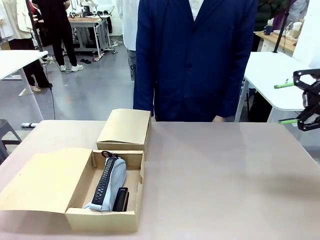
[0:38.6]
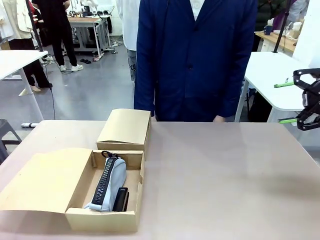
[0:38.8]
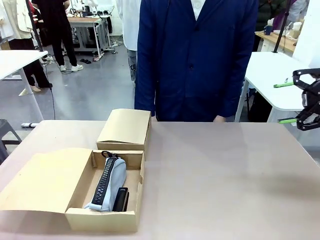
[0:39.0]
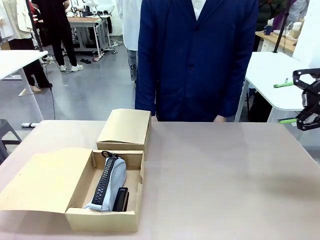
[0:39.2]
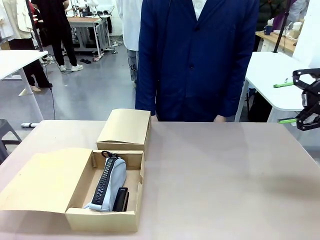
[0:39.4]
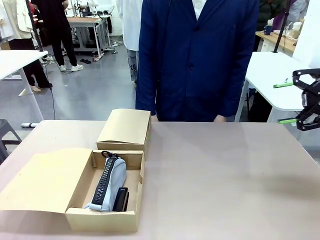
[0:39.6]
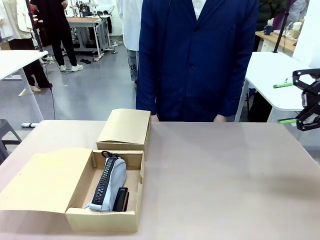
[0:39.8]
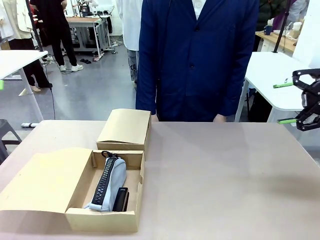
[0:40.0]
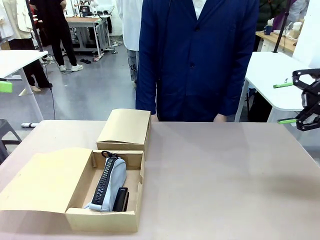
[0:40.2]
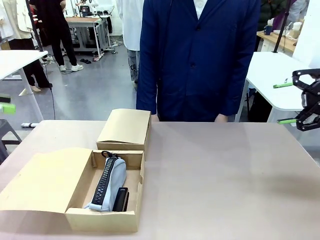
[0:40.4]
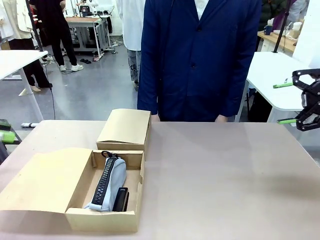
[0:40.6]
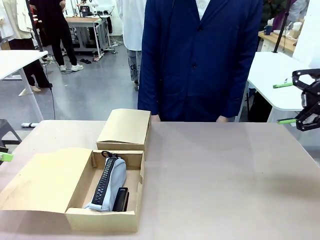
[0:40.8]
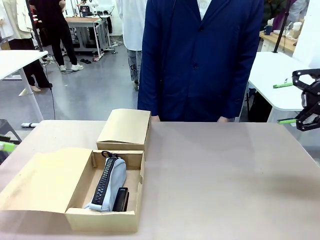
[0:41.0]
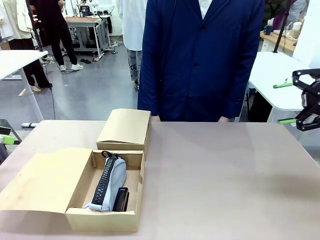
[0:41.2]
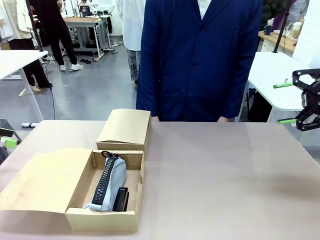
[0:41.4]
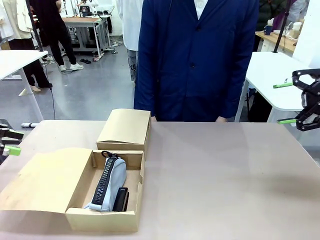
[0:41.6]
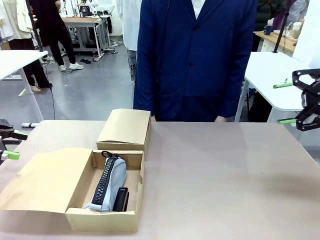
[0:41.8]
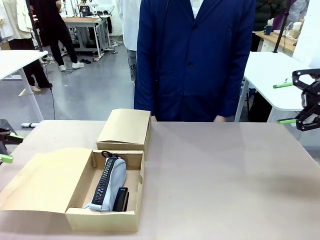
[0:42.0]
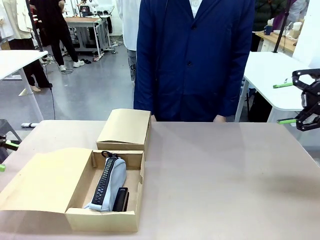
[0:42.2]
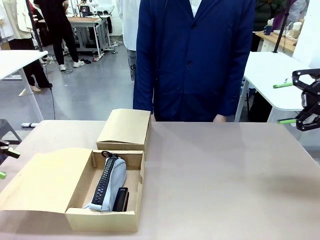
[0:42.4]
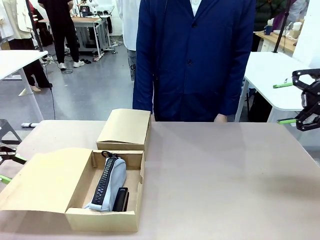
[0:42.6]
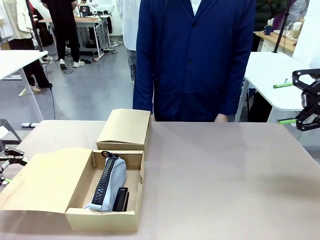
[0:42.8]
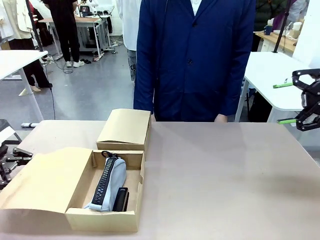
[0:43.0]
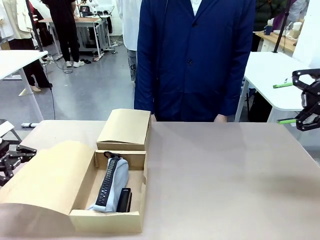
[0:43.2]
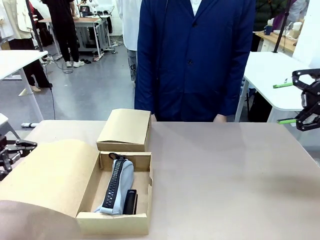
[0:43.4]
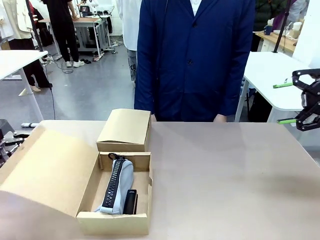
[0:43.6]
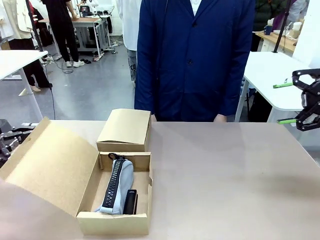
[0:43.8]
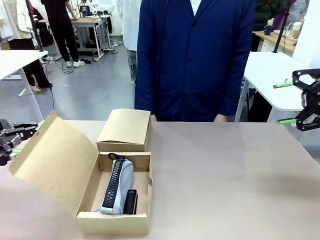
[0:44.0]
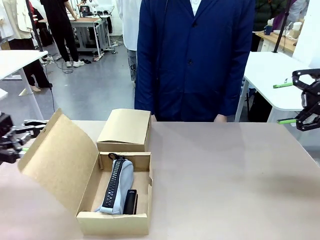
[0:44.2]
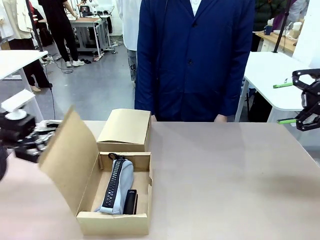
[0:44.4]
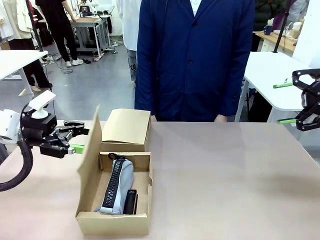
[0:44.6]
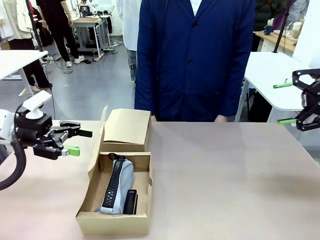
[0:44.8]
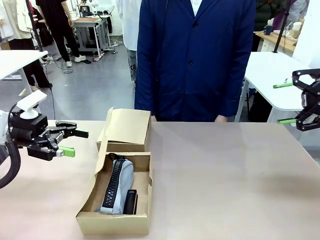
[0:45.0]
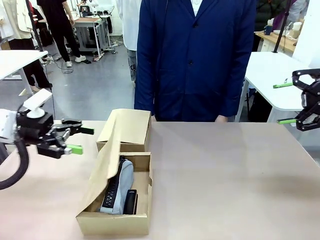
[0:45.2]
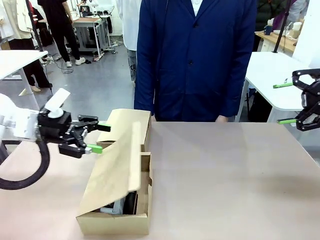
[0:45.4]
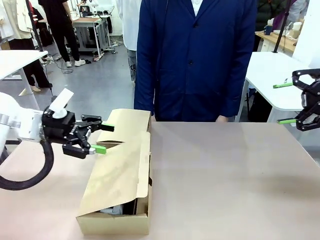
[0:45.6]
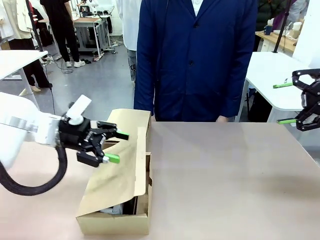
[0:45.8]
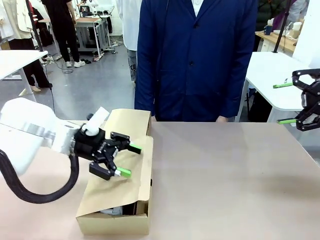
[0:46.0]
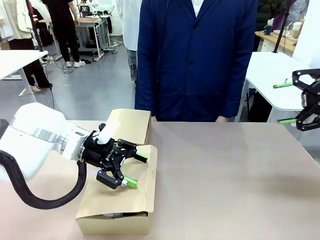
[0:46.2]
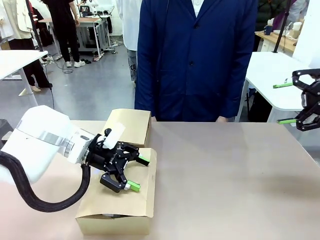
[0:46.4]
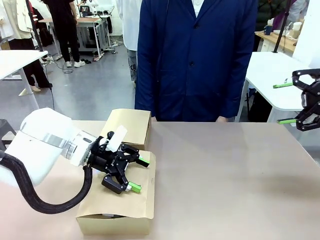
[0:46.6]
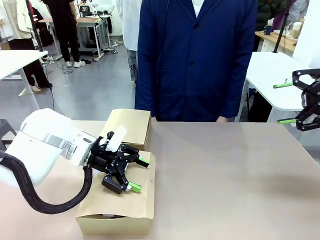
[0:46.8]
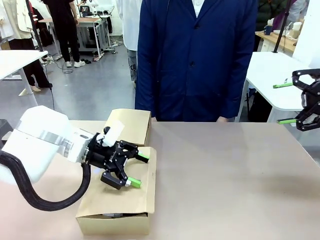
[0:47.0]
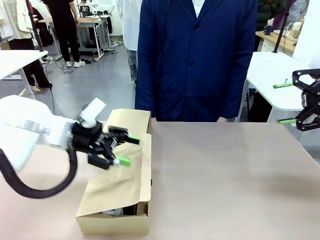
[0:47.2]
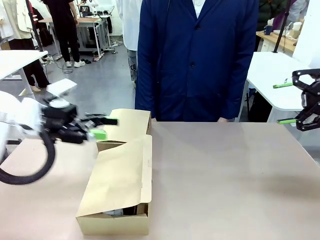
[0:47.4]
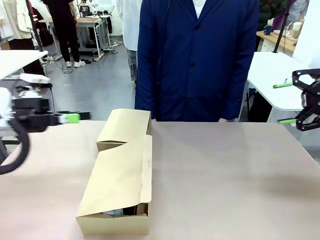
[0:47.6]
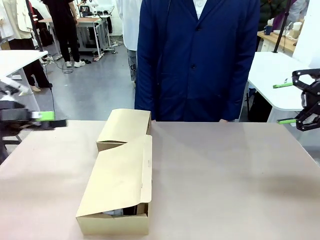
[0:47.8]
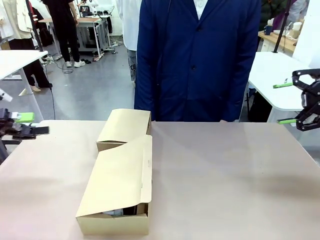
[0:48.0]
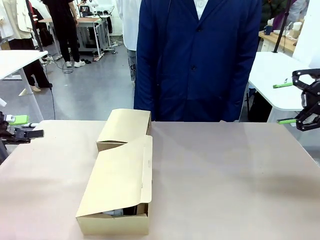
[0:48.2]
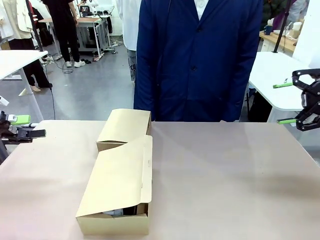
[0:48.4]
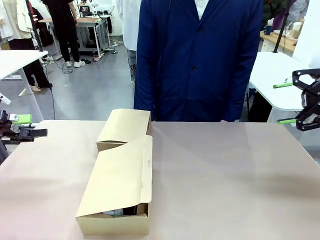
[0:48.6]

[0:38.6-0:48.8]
Task: Place items inside the box.
Robot: Close the lid of the Mailer Box closest to the robot.

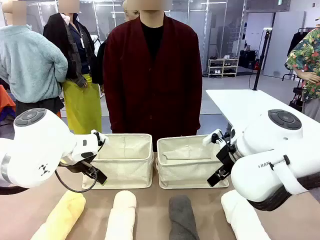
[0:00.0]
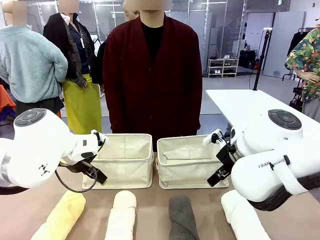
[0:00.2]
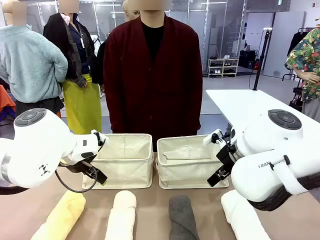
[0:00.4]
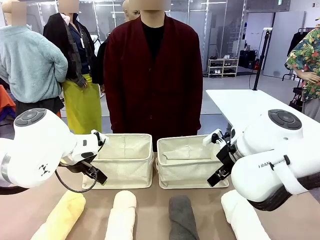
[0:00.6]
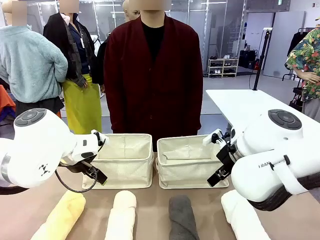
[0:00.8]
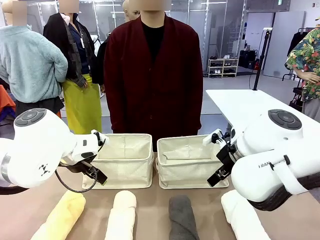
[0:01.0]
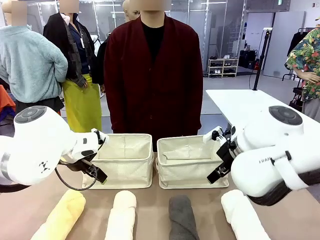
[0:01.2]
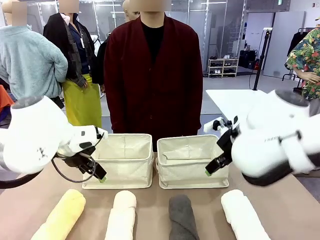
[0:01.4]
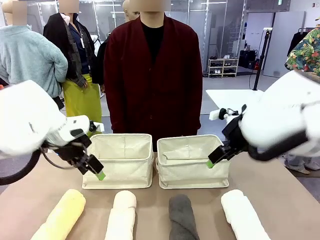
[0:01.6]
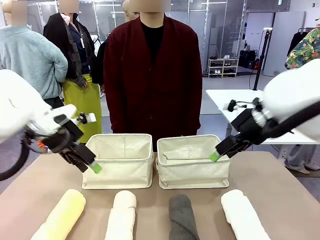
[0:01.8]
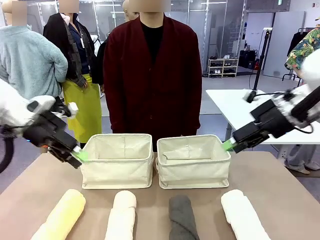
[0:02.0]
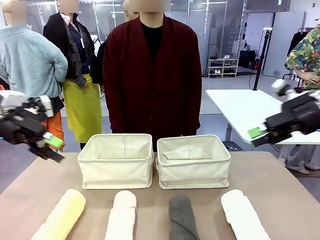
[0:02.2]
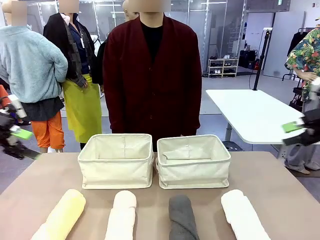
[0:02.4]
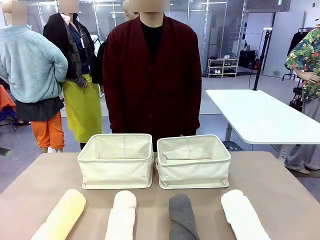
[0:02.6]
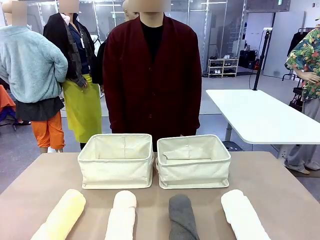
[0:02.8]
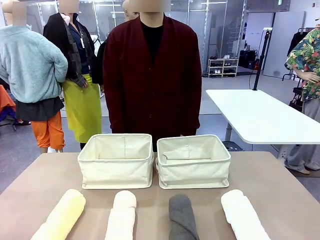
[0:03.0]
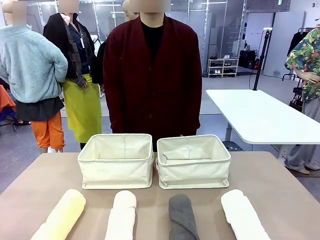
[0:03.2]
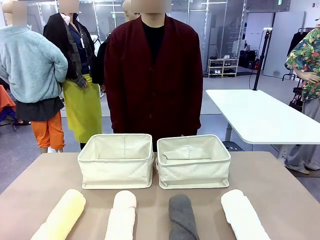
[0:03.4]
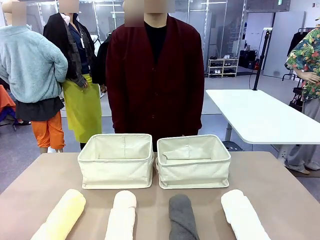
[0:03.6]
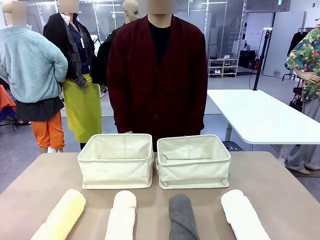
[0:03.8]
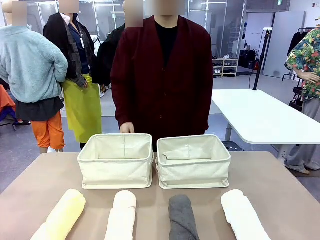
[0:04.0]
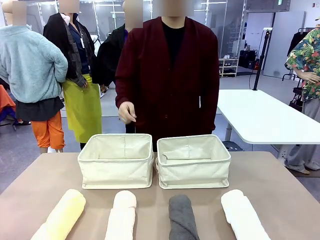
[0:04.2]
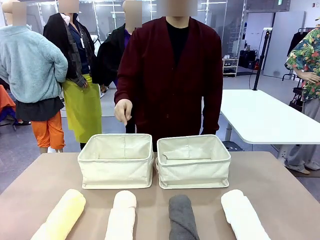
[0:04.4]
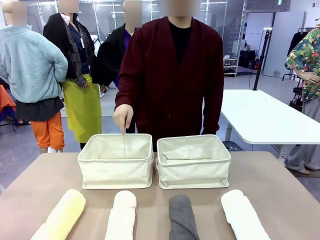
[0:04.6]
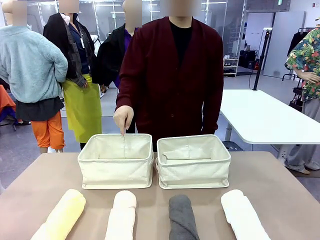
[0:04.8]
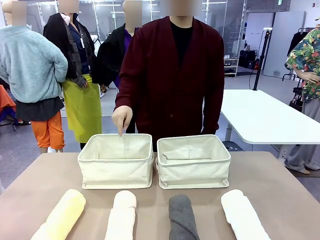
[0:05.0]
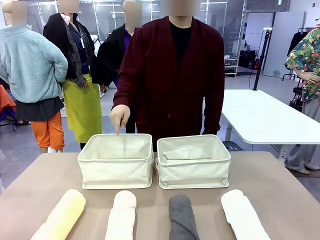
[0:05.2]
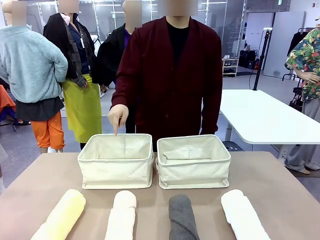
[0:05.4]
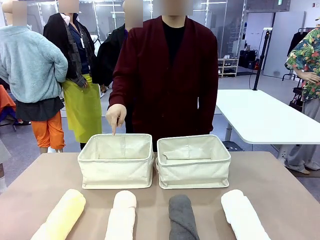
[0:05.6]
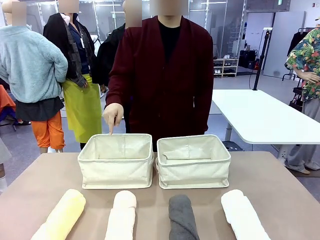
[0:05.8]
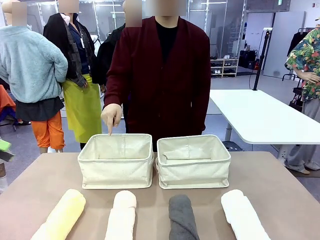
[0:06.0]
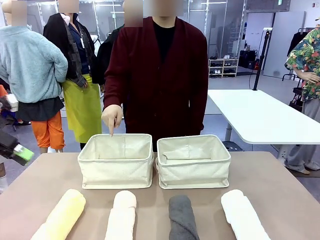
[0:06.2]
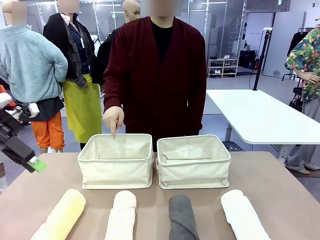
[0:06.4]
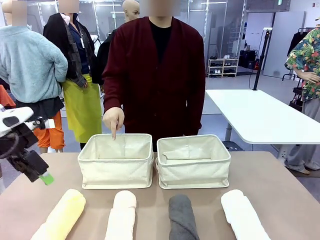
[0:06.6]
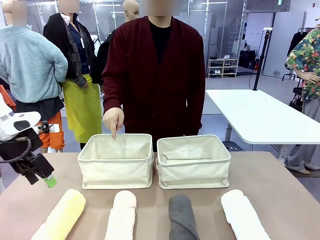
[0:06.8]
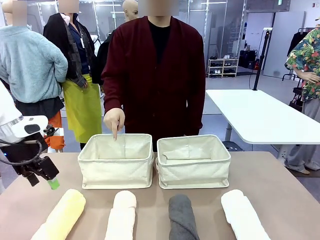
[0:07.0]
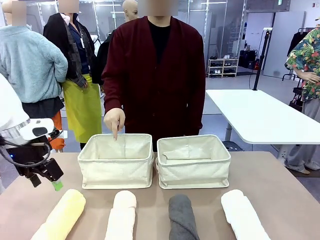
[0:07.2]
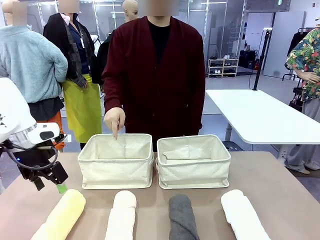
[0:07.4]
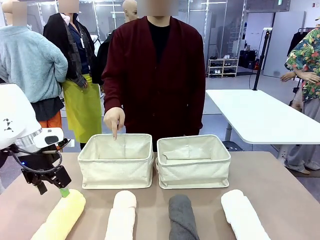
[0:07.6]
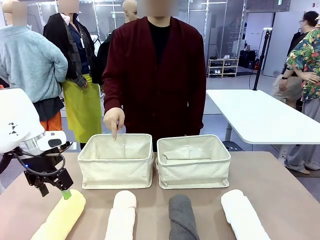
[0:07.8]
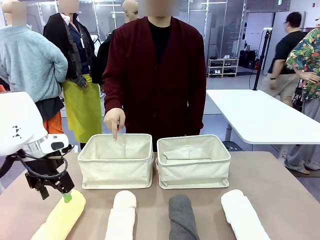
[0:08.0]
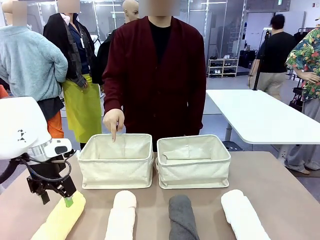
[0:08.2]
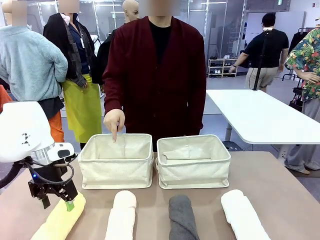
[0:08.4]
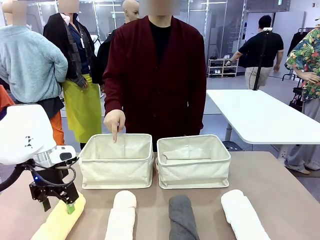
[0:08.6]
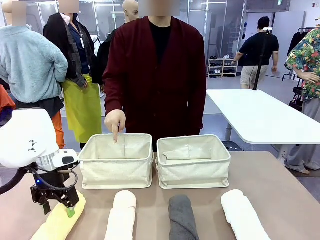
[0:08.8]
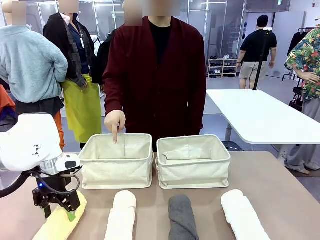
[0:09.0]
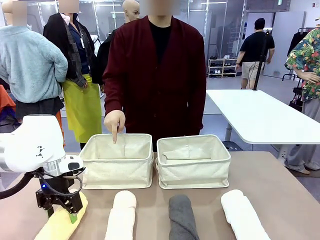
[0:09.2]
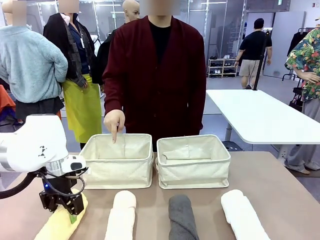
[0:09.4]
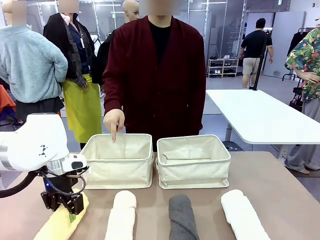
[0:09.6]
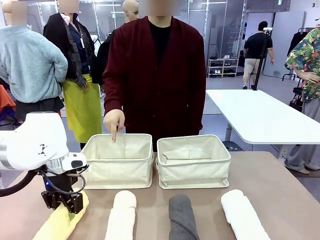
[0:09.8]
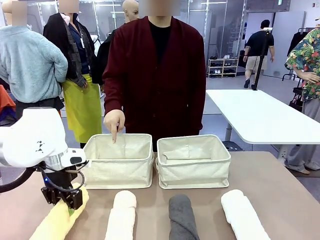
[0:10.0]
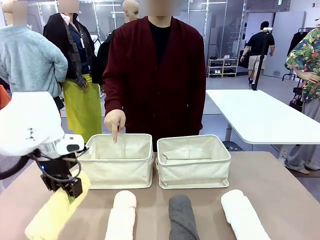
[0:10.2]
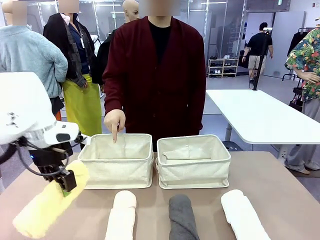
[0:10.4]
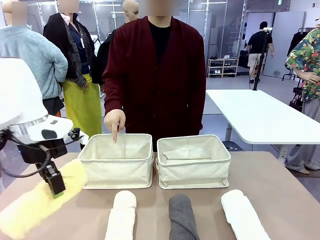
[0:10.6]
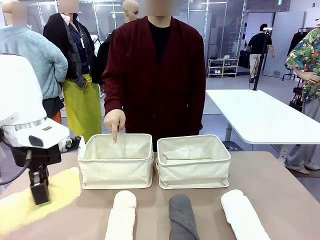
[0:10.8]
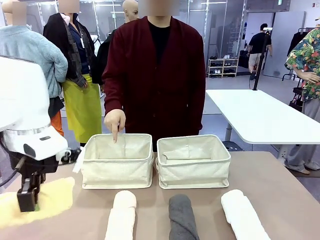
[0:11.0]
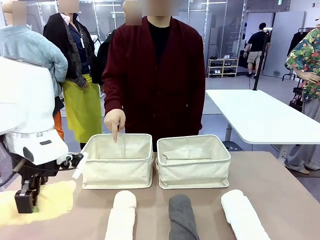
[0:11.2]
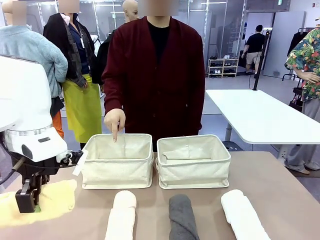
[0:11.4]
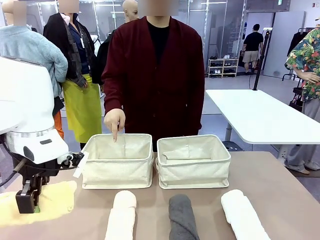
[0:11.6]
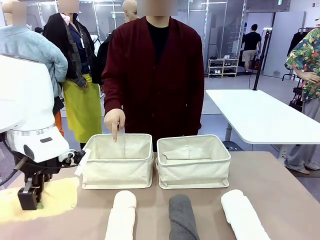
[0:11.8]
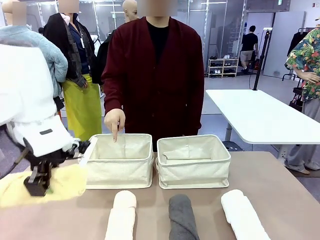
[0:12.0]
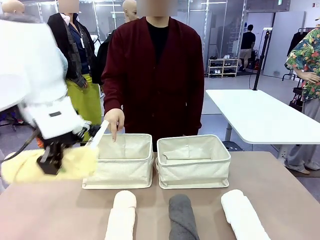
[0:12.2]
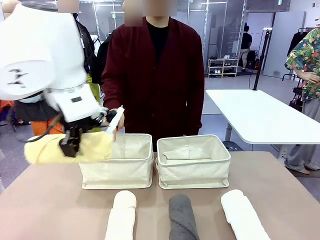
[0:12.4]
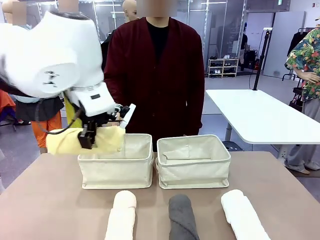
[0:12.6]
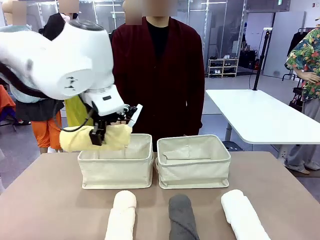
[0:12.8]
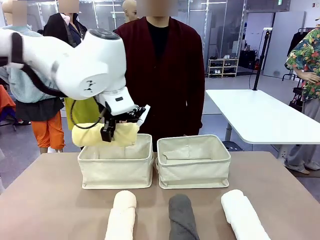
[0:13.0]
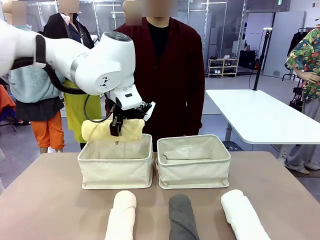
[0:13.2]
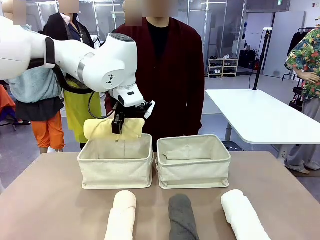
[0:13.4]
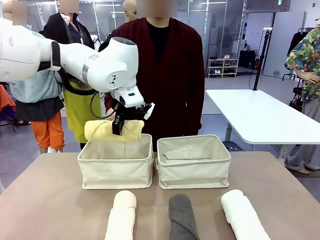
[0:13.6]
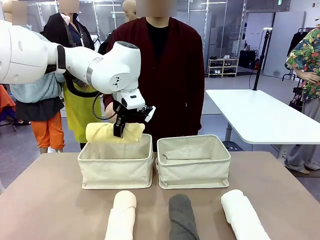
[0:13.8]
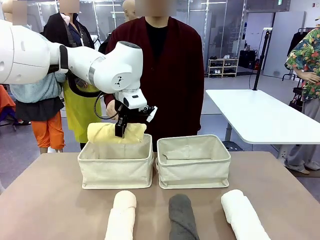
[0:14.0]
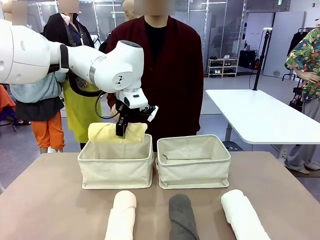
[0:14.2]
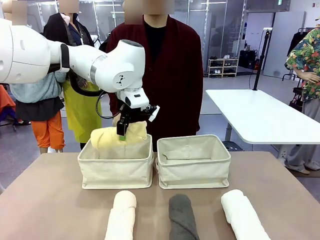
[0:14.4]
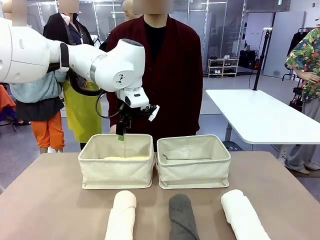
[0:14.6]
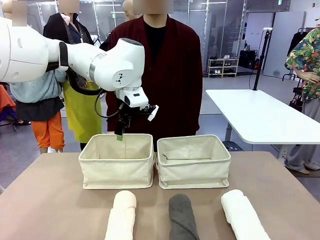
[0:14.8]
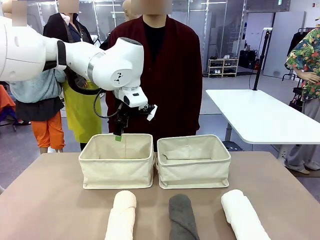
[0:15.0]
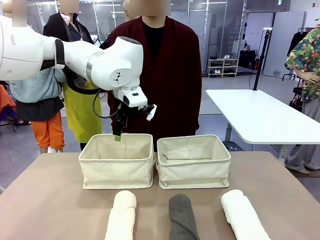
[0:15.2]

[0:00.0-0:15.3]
Task: Divide the towels into two baskets.
Robot: Pick up one hotel-folded towel and place it in the Fabric basket indicated by the person.
